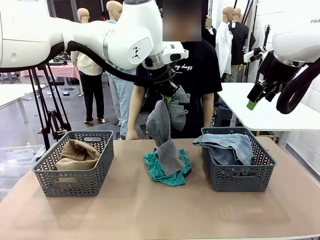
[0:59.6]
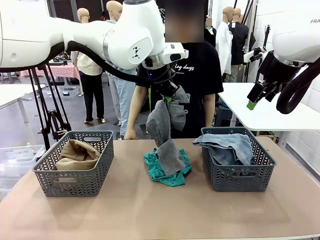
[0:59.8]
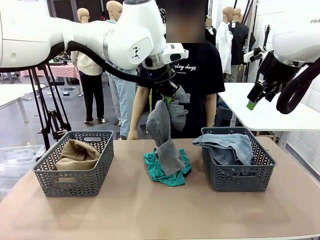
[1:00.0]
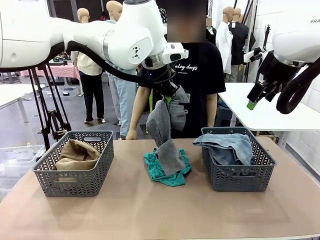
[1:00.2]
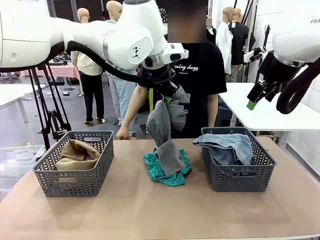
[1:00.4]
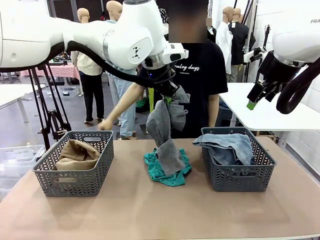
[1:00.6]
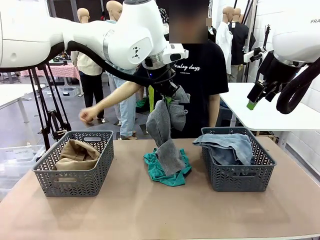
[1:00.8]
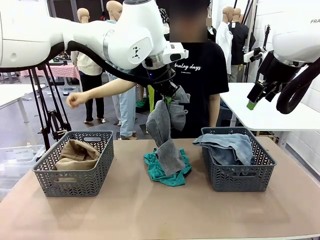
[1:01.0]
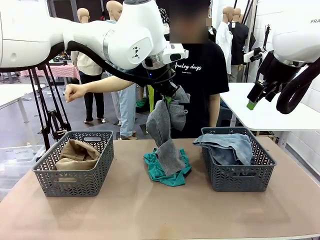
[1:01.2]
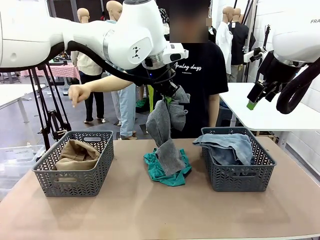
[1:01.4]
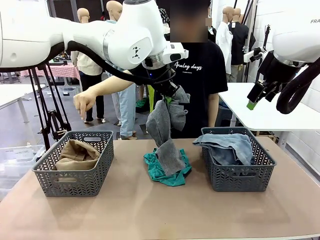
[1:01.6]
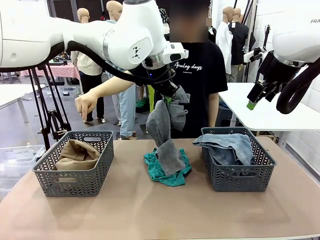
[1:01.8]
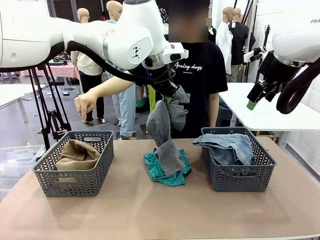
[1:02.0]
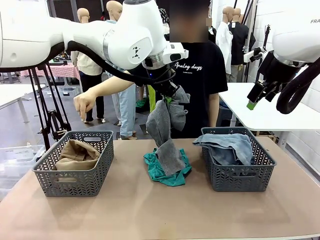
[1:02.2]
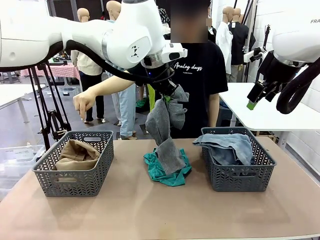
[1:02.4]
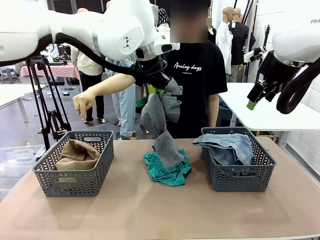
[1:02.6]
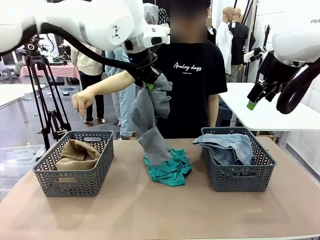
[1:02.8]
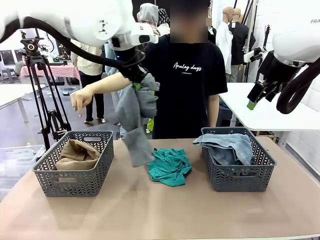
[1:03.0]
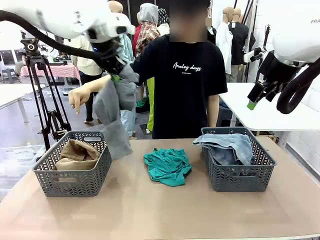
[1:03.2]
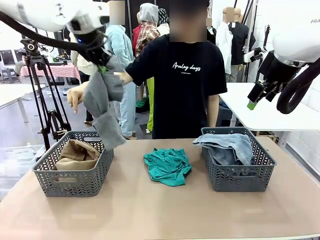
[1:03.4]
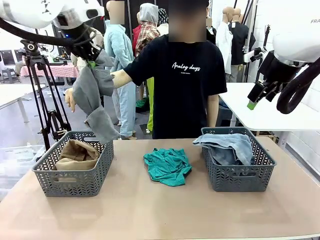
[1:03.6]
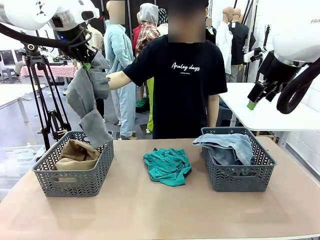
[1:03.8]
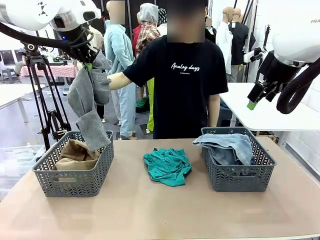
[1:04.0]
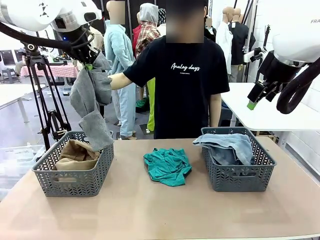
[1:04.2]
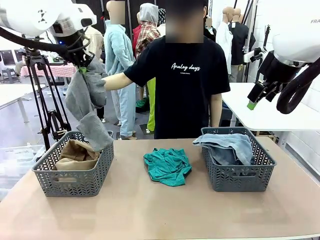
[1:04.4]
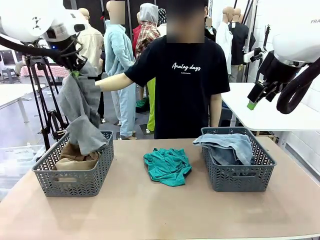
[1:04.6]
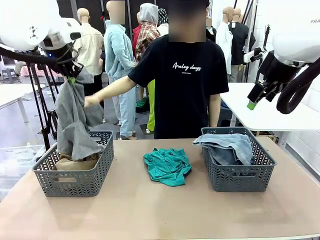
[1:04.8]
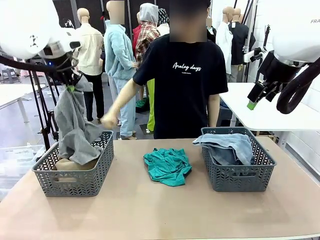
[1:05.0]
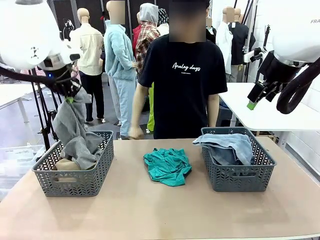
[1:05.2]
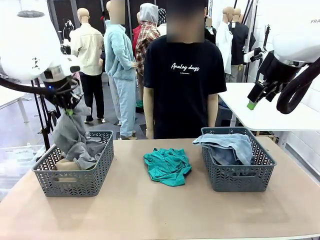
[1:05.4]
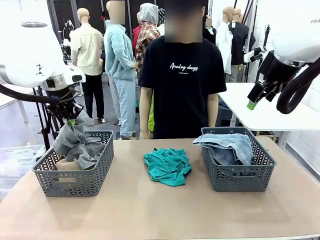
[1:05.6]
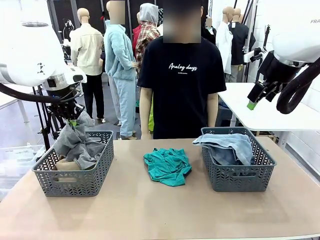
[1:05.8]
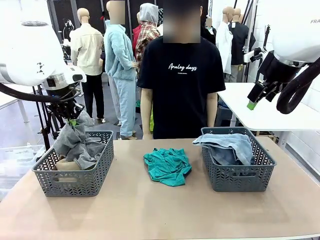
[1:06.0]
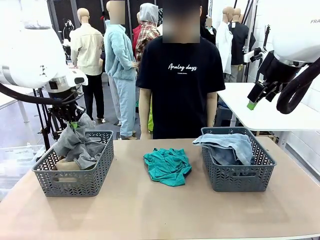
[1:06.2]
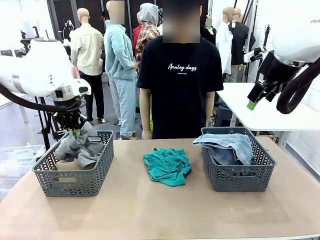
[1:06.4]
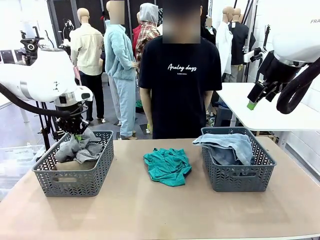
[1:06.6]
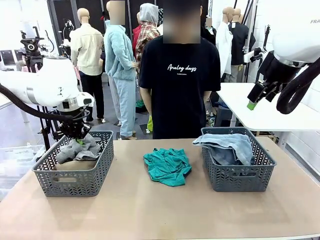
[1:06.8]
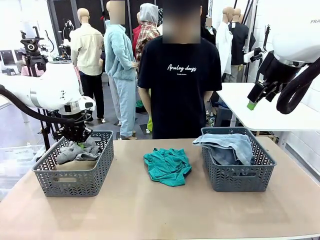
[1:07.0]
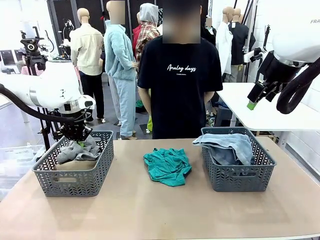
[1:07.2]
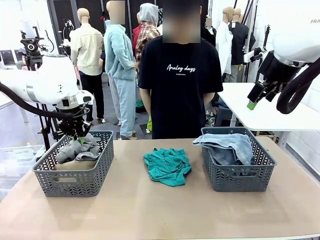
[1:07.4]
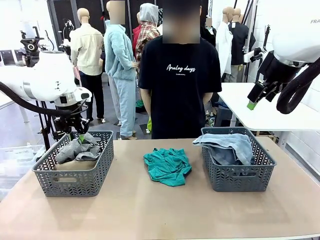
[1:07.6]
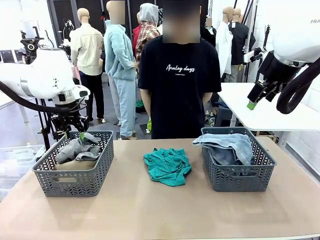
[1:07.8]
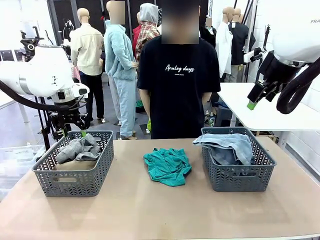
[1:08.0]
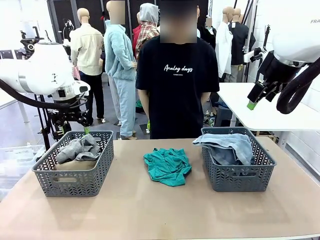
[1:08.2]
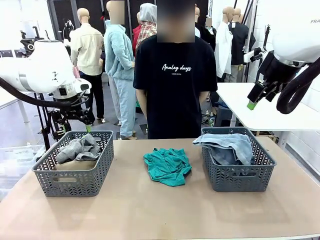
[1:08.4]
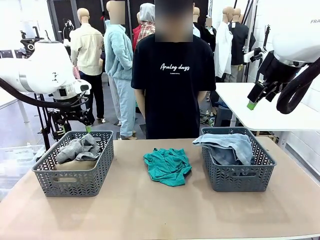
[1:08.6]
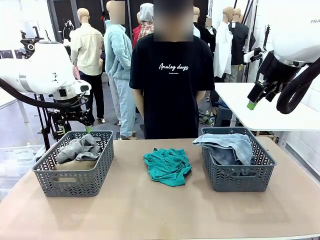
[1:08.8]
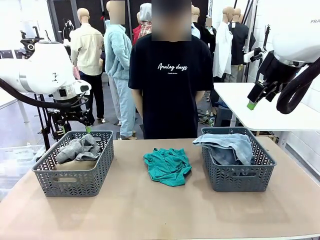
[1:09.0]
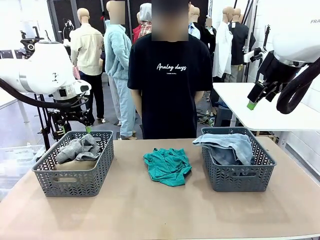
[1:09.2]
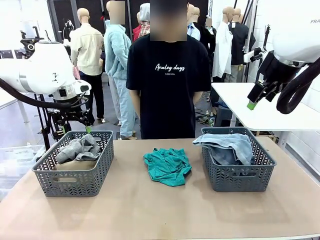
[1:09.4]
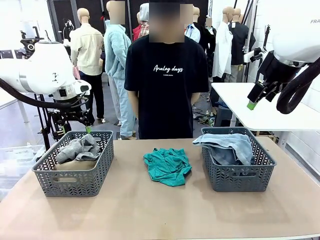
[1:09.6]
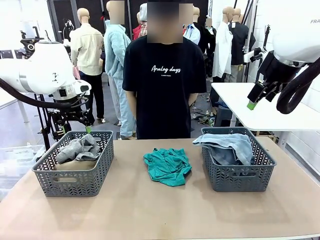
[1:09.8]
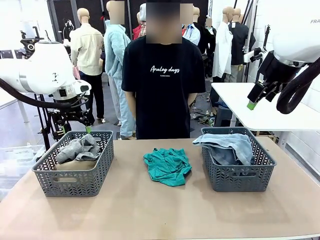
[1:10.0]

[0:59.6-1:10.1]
Task: Sort the tops and bottoms.
Robot: Sort the clothes according to human instructions.

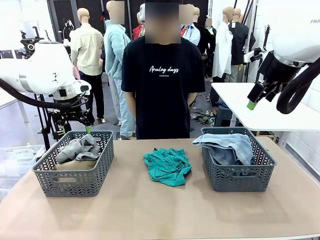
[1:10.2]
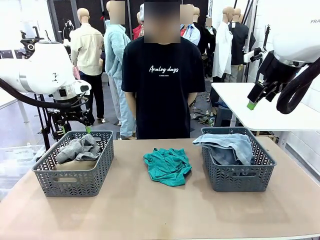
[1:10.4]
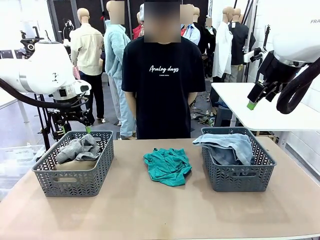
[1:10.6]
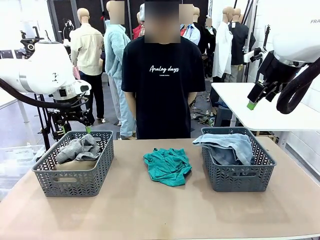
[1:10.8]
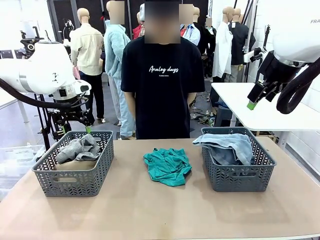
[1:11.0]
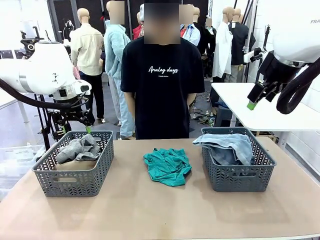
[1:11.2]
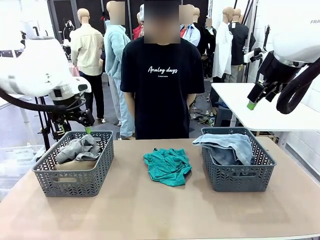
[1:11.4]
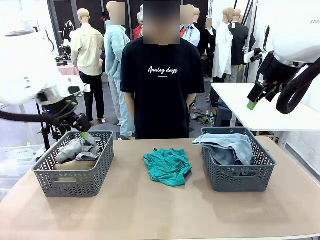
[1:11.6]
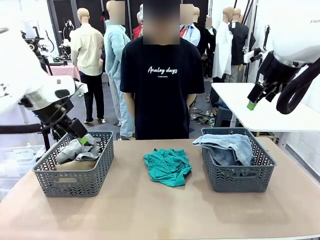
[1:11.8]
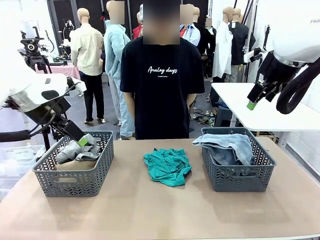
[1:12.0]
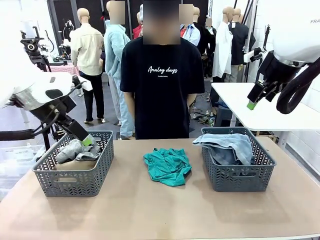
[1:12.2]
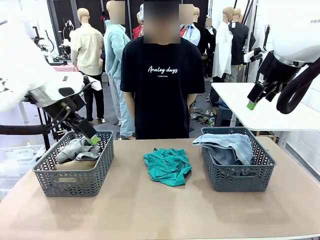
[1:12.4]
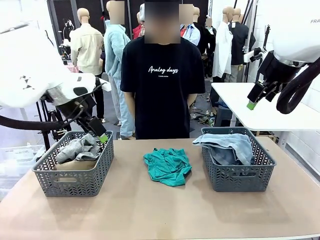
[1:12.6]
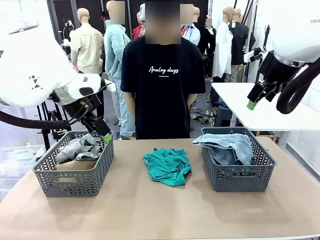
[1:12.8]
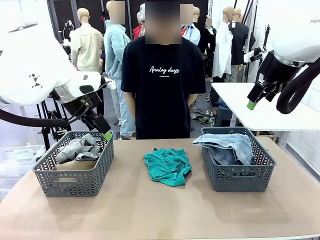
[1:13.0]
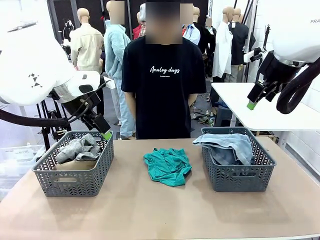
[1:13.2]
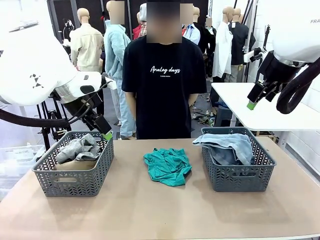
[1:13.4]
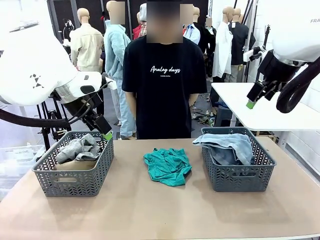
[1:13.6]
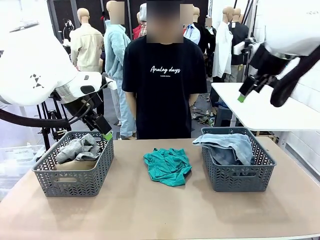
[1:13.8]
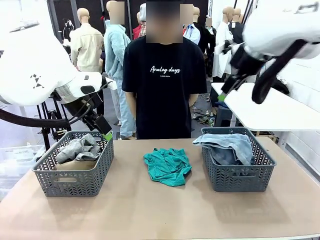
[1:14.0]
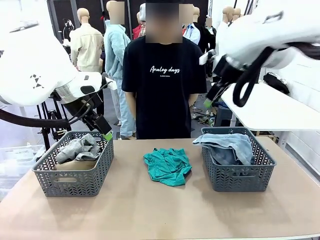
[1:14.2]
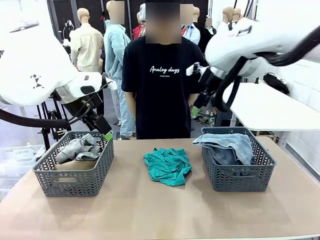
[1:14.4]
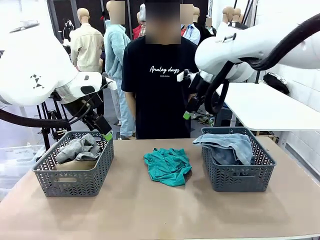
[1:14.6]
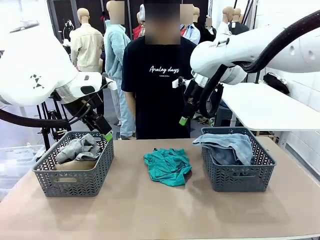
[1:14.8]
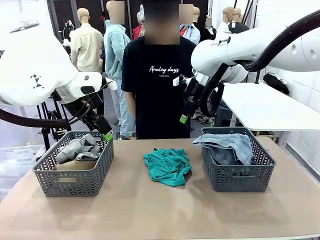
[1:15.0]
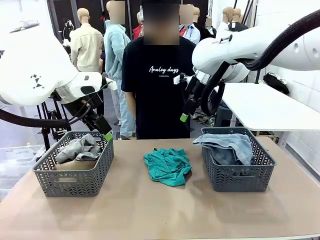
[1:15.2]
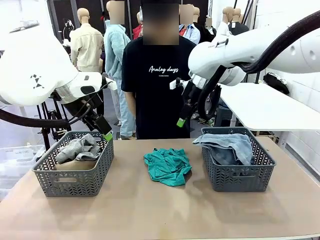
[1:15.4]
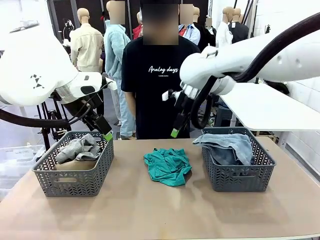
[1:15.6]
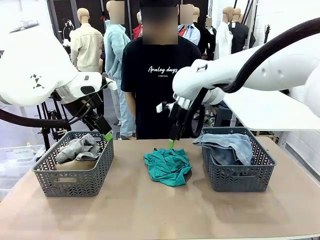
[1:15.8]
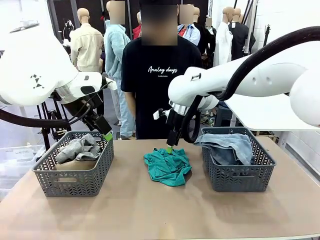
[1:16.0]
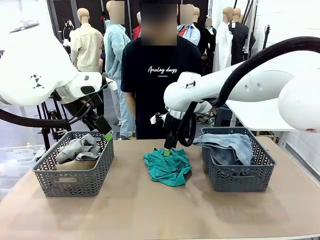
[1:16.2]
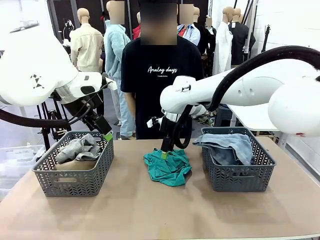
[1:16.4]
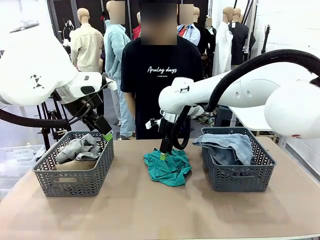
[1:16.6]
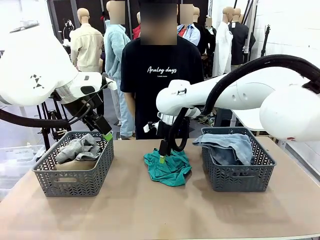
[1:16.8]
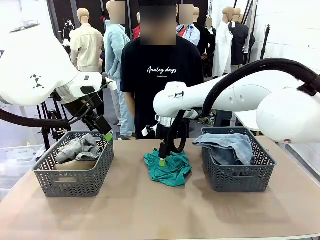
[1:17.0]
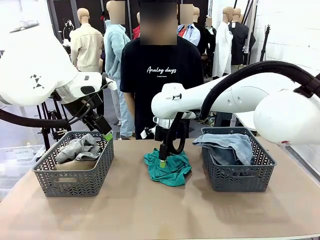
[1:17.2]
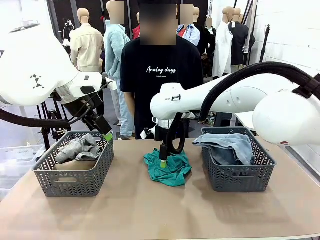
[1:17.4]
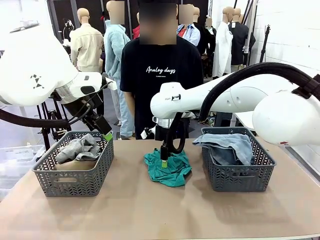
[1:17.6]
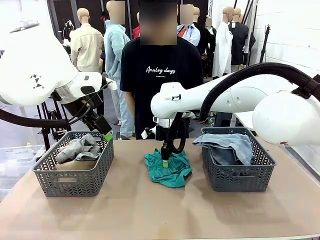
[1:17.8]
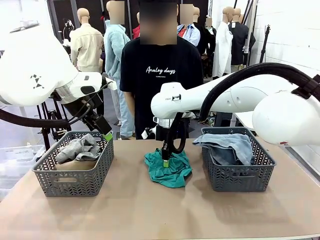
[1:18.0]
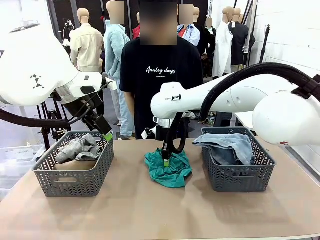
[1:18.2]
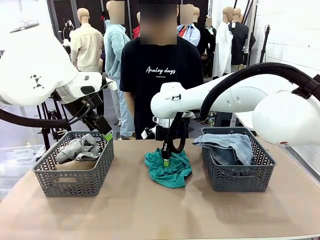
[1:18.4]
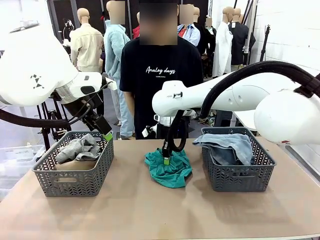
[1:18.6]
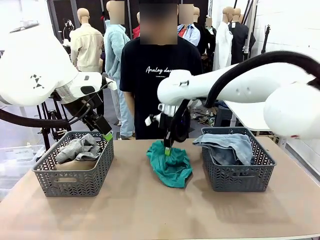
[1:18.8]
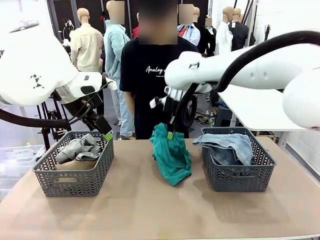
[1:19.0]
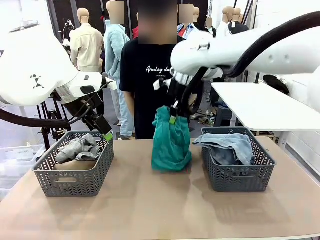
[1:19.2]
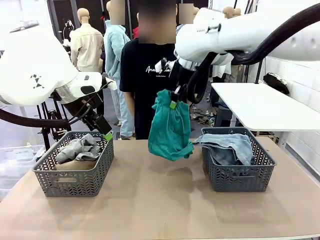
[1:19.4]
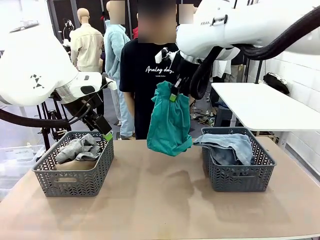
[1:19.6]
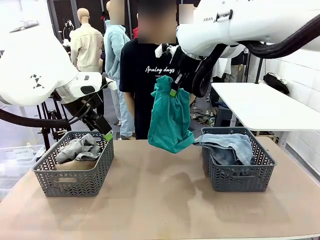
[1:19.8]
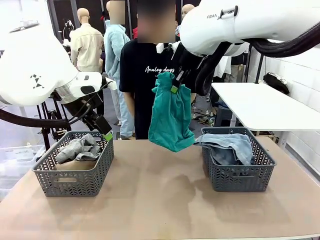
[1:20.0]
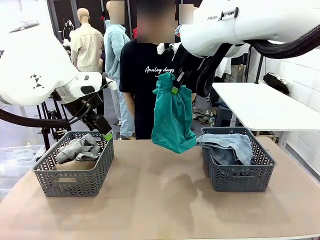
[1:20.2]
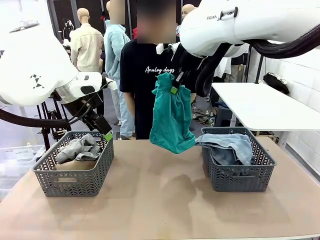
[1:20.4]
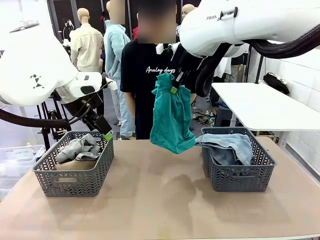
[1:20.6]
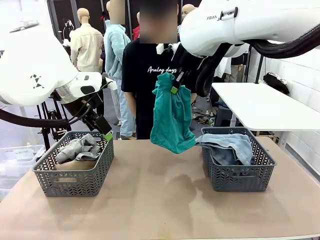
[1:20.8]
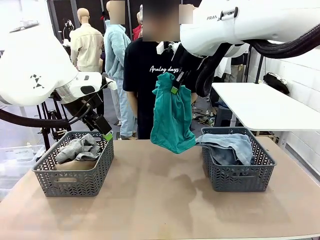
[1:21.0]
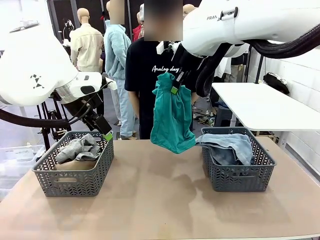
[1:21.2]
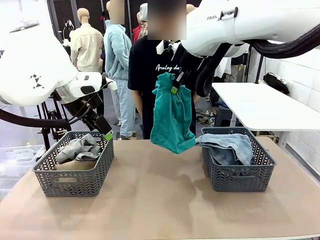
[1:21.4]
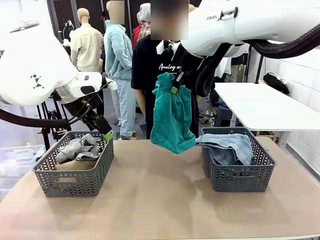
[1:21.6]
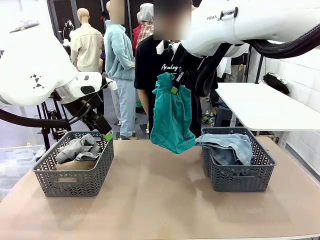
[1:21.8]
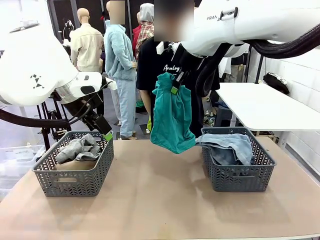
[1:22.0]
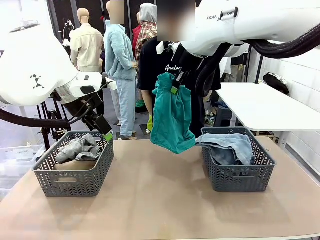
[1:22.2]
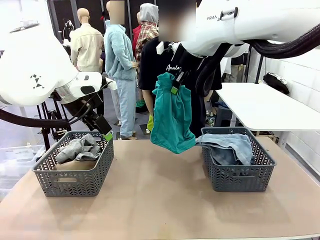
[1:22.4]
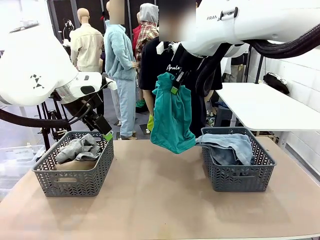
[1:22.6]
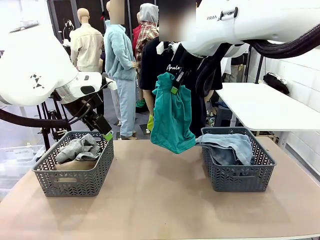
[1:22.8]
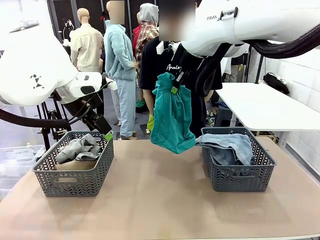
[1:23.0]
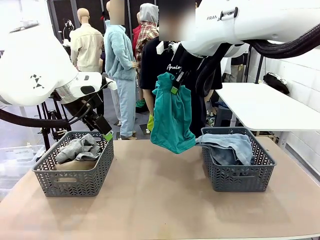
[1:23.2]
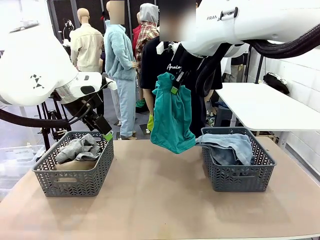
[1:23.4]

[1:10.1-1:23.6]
Robot: Lift clothes from the center of the table with your right hand.
